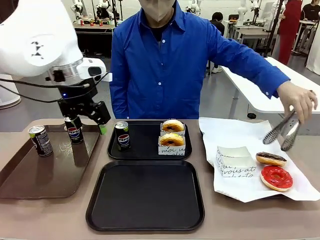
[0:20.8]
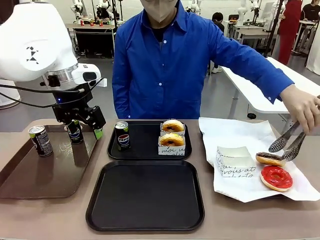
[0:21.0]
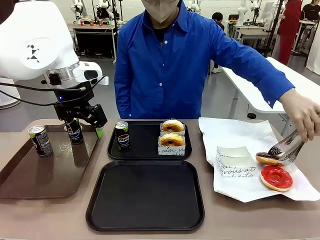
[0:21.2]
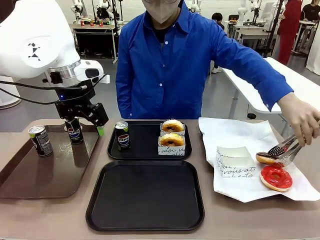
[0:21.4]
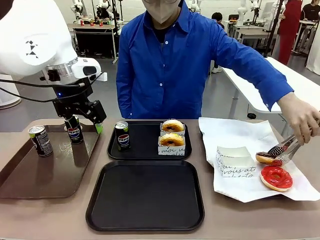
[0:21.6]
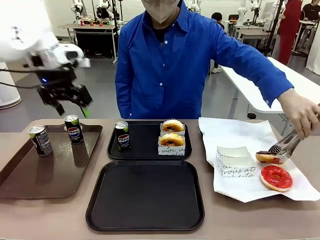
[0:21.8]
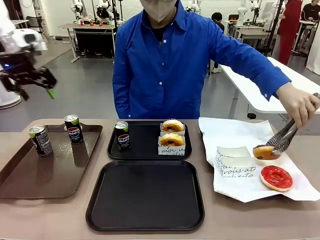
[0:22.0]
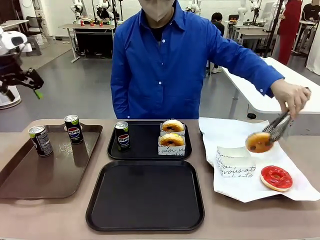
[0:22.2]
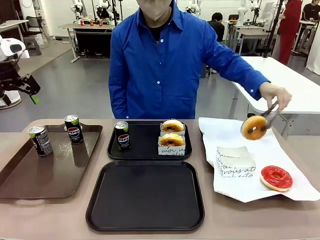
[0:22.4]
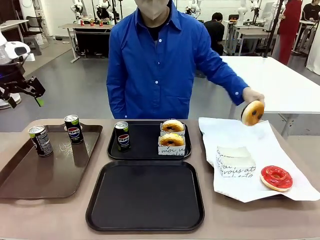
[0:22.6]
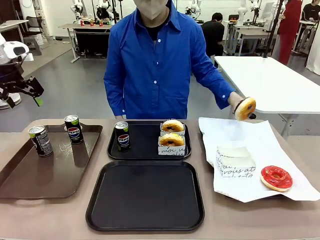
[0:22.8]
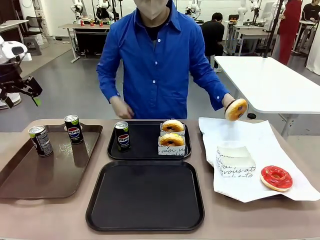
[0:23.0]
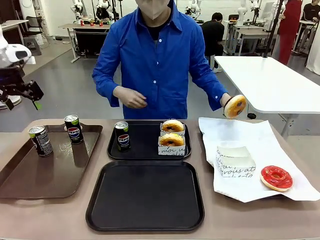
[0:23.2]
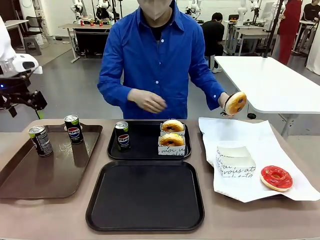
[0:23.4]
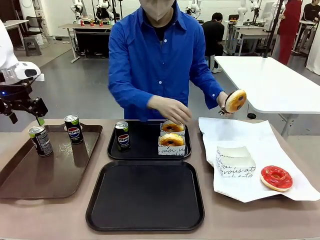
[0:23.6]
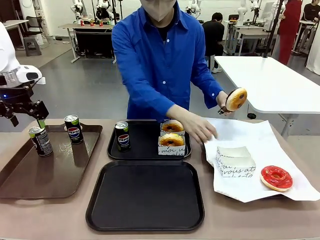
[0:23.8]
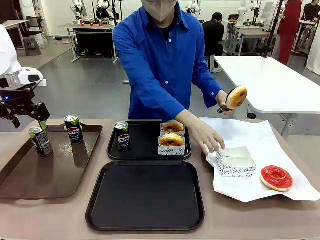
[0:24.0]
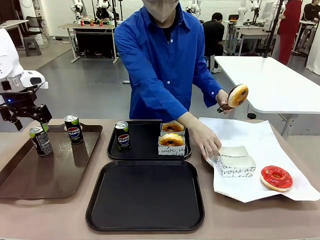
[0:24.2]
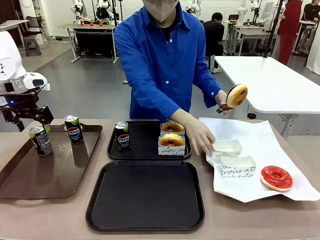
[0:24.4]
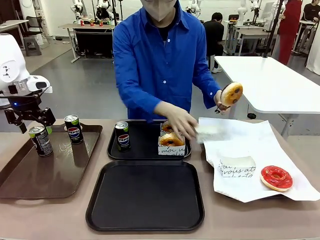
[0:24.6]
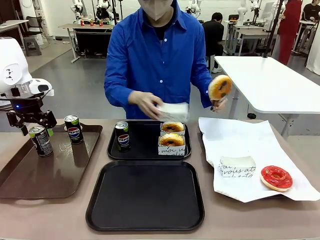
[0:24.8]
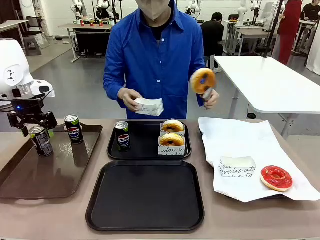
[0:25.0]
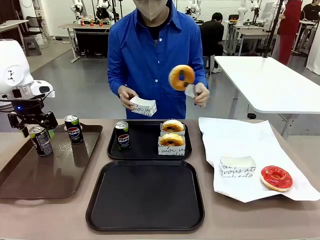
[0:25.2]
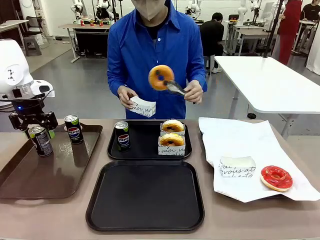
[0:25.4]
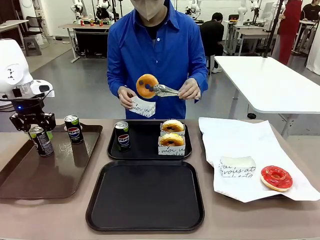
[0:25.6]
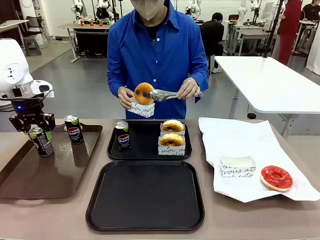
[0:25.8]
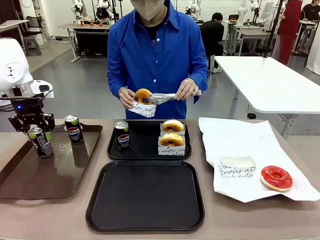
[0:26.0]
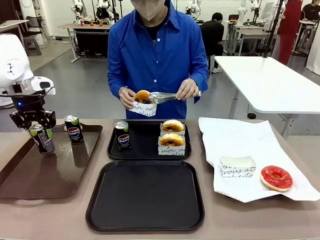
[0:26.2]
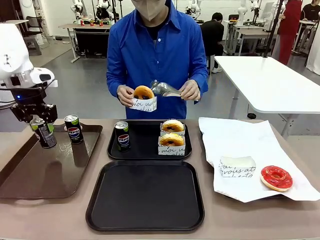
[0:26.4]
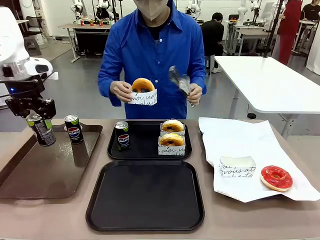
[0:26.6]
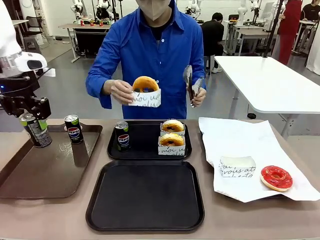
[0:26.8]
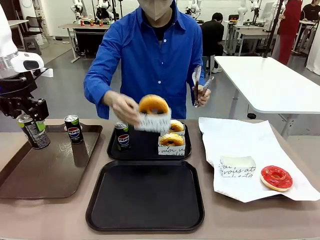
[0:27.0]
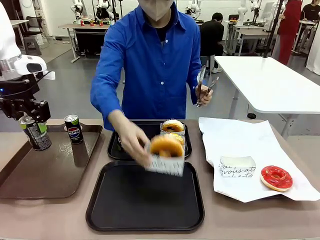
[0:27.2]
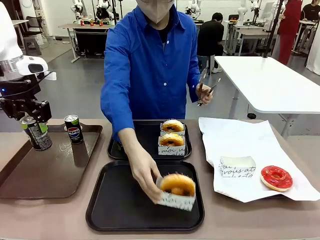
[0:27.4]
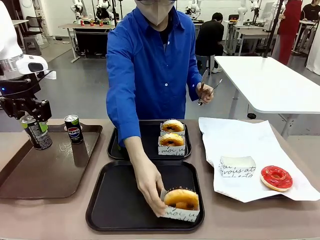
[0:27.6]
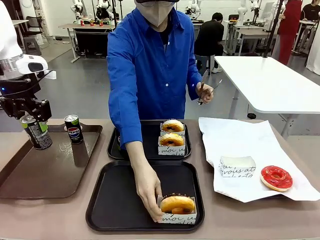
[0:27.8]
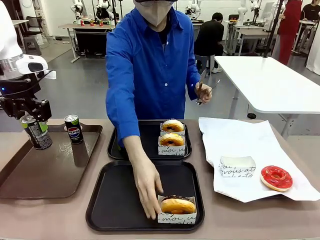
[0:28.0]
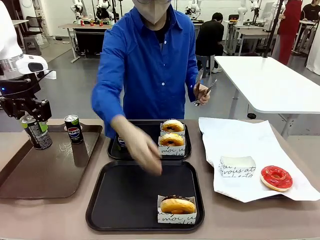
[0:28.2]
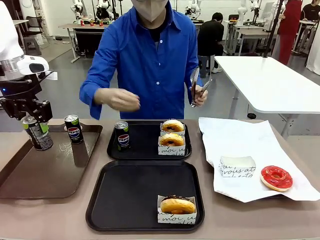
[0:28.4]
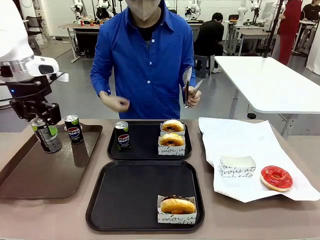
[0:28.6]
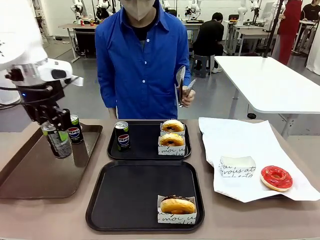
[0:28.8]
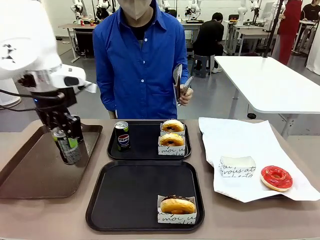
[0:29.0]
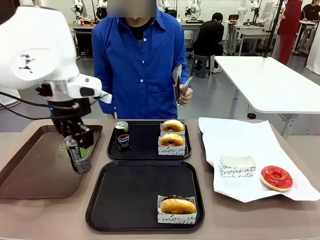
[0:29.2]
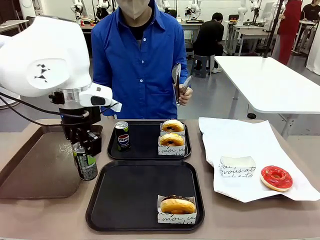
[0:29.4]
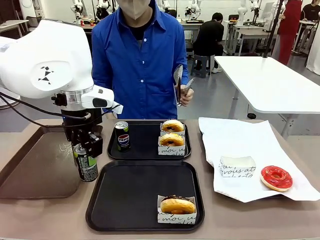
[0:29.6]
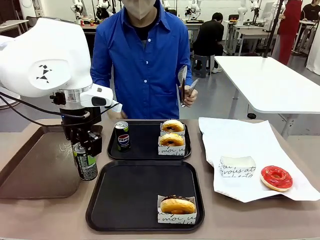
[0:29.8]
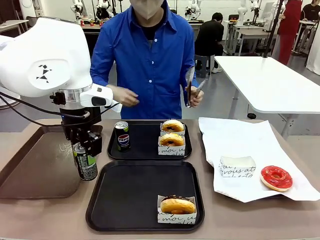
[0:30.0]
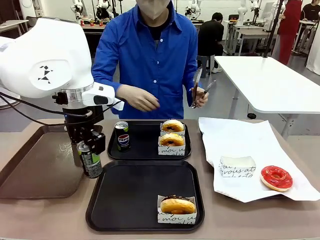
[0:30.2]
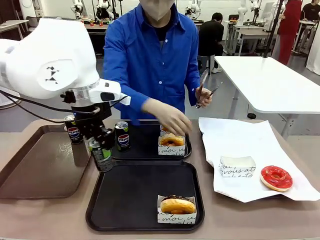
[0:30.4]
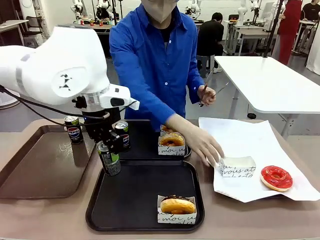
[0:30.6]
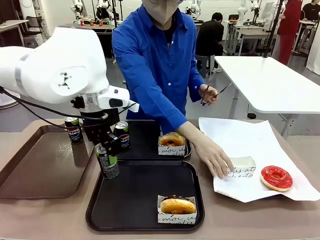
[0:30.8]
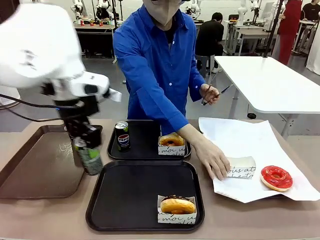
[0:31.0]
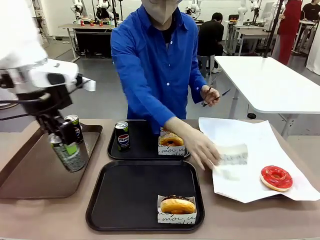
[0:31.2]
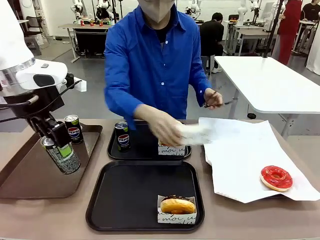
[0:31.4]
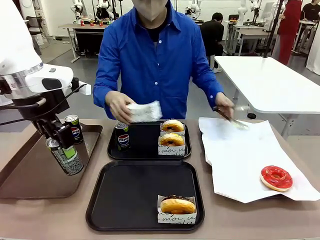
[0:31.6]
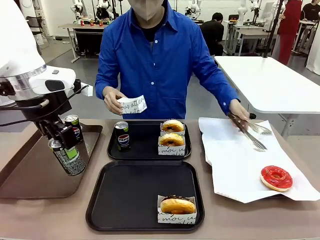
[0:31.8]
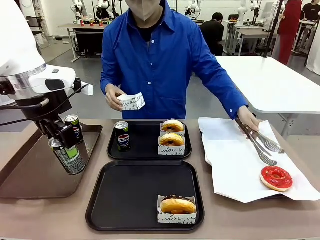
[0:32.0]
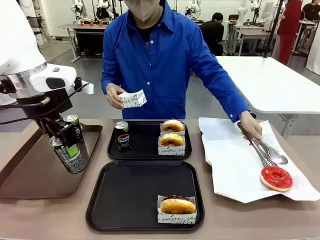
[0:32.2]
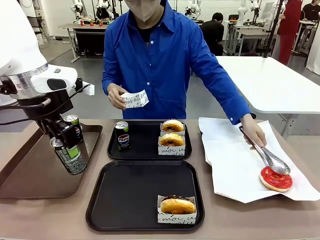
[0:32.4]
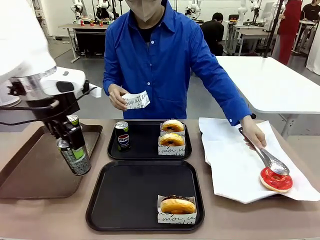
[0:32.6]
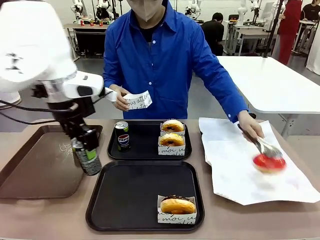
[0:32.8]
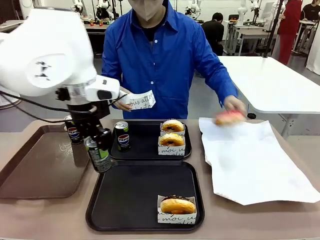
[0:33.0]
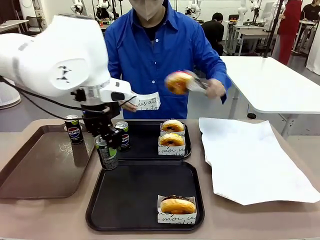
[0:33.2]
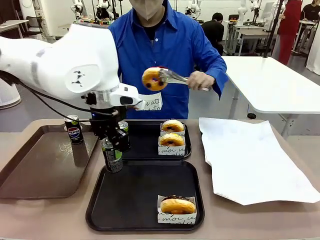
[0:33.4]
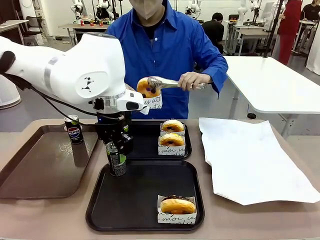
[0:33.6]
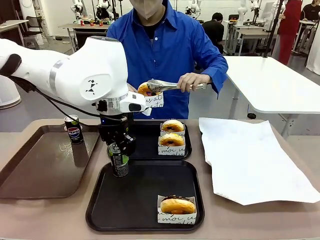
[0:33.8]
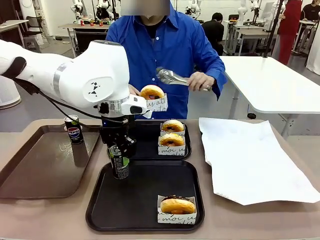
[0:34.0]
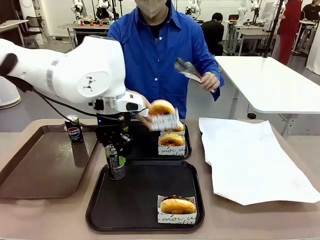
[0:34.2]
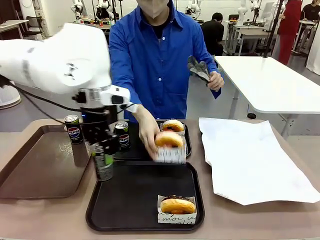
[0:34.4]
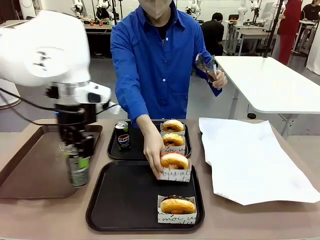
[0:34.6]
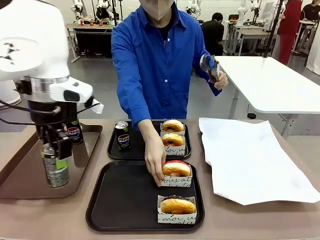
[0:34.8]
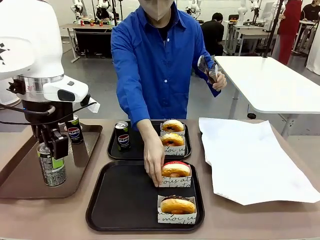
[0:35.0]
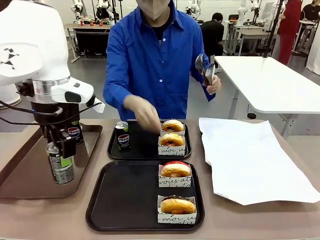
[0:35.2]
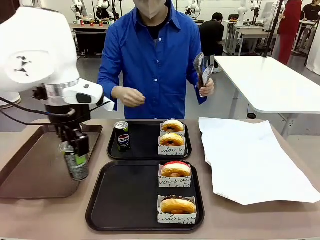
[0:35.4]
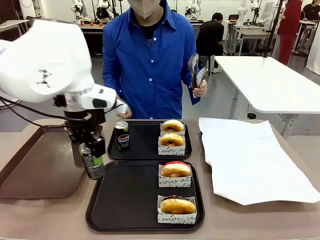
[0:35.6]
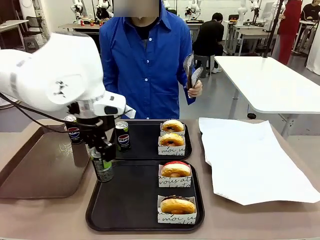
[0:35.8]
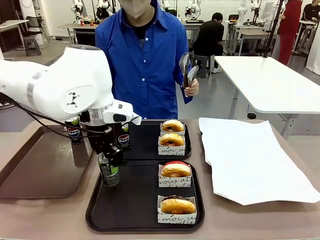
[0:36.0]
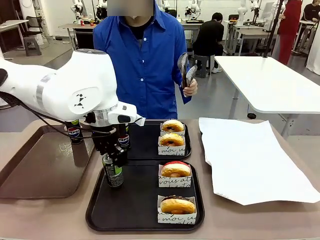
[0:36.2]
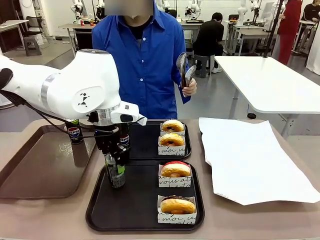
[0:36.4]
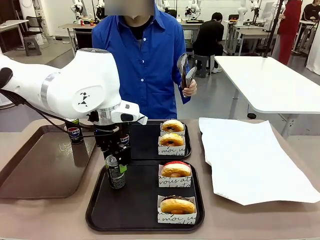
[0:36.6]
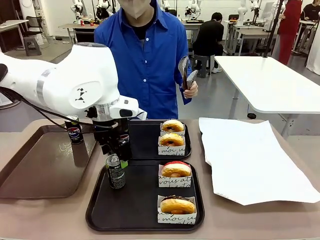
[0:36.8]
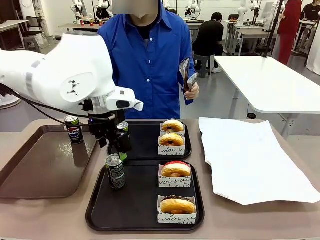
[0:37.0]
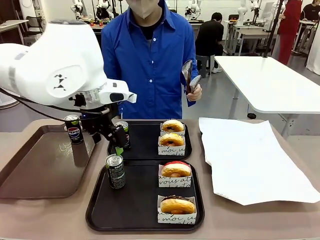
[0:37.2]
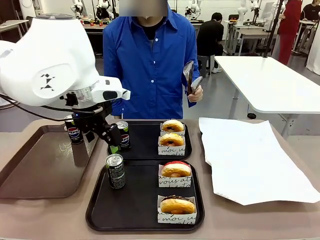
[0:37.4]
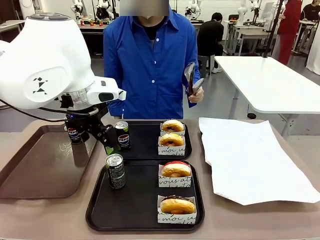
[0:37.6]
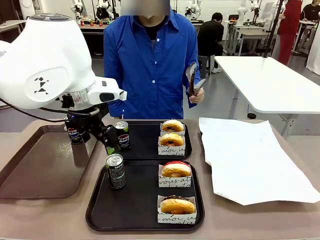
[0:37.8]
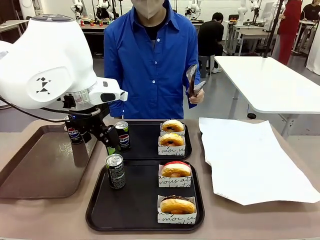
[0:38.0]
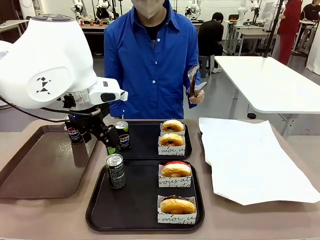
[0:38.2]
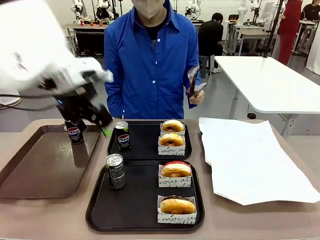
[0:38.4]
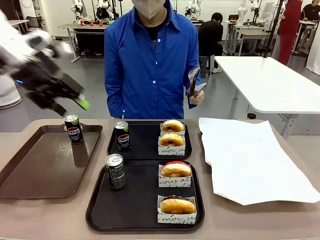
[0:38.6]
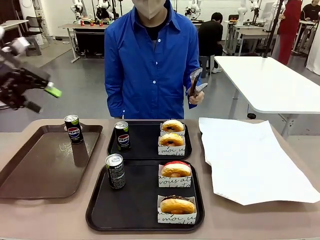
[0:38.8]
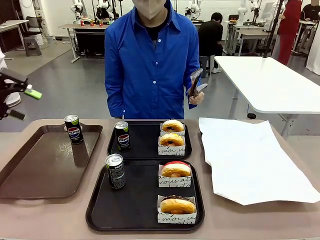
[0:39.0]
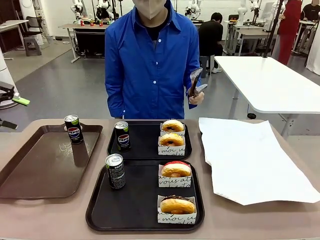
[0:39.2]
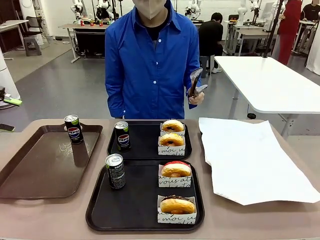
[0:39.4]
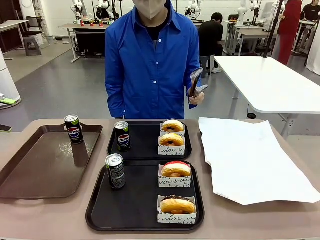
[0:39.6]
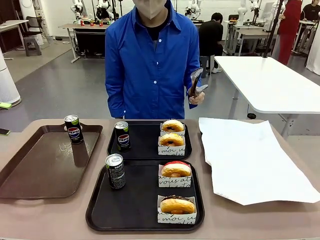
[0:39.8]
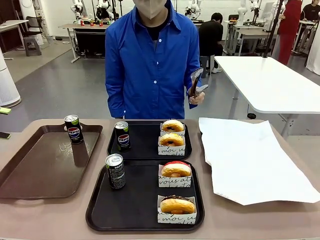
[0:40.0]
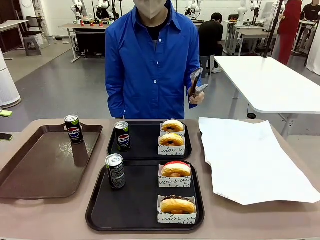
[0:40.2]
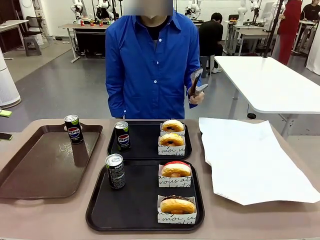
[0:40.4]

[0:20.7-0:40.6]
Task: Set up donuts and drinks on trays.
Robot: Pick up one Pepsi coke from the Handle tray and place it on the Flat Tray without a Pepsi coke.
